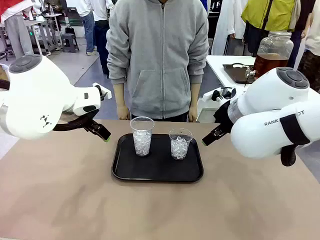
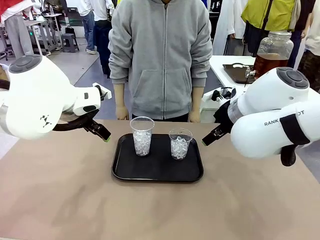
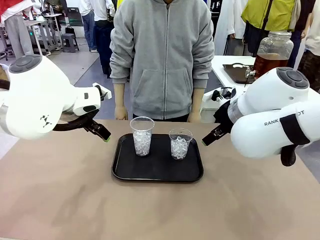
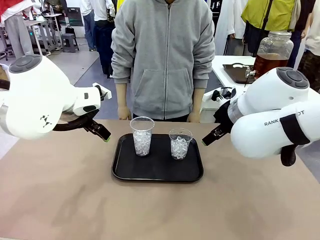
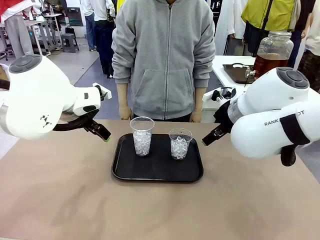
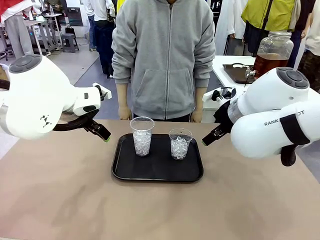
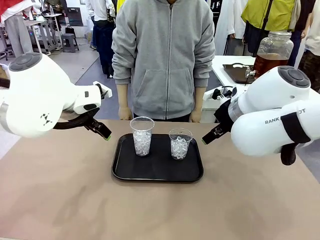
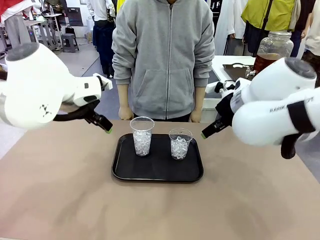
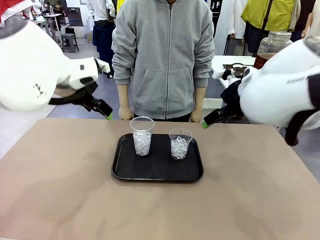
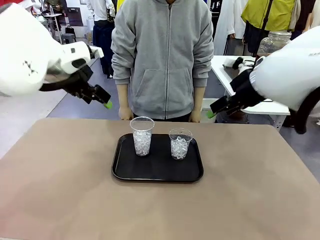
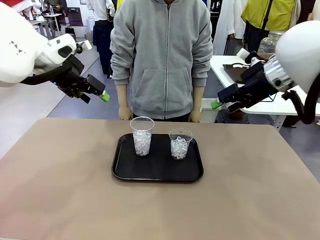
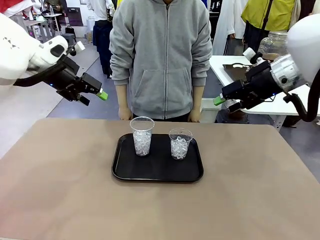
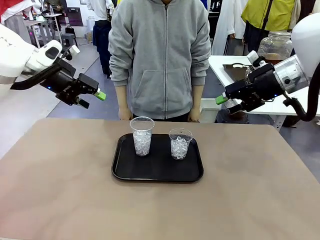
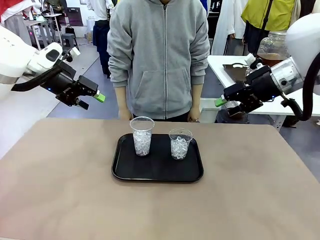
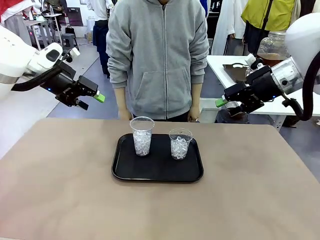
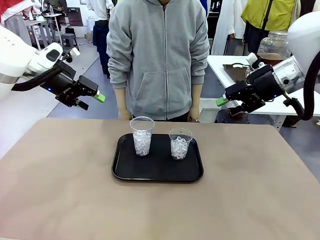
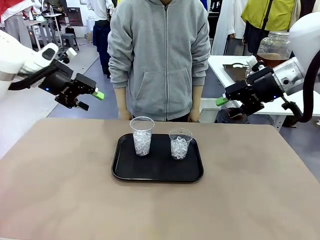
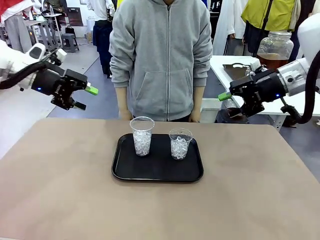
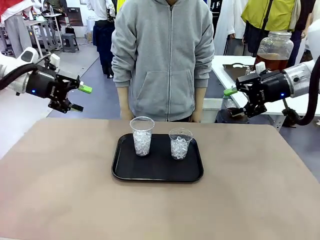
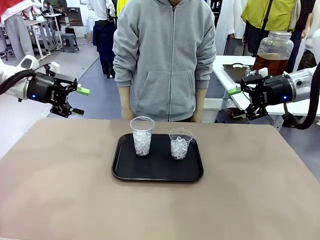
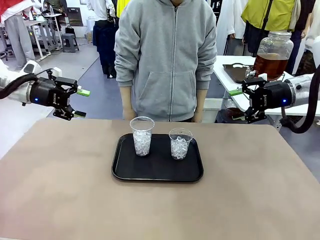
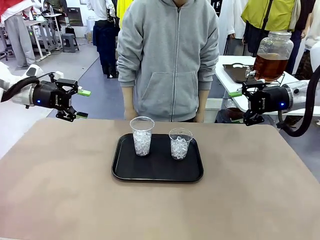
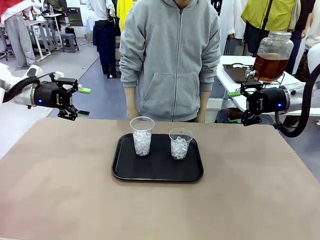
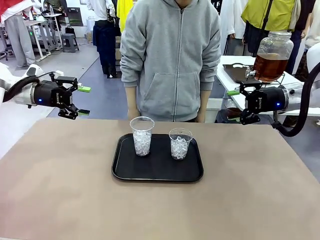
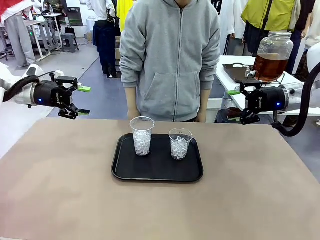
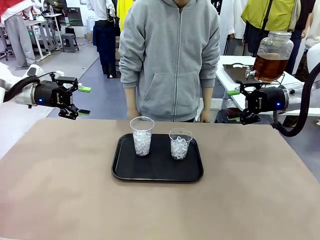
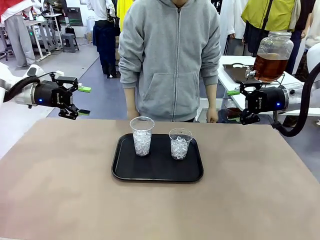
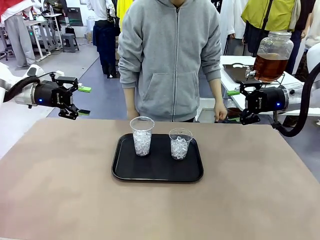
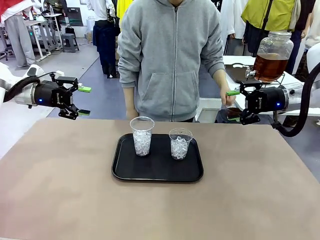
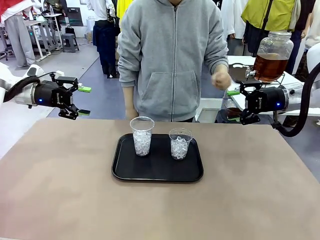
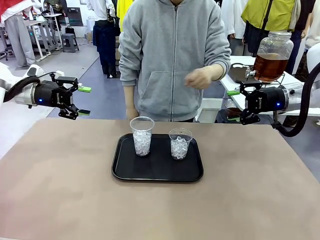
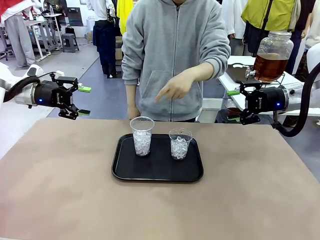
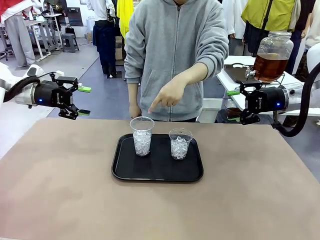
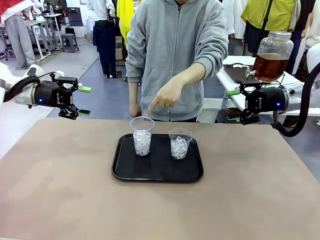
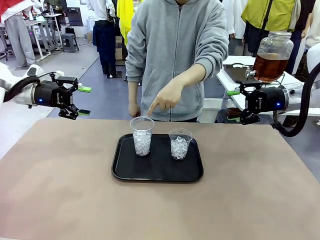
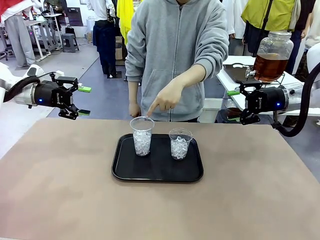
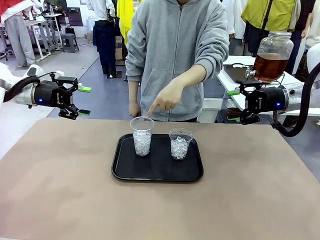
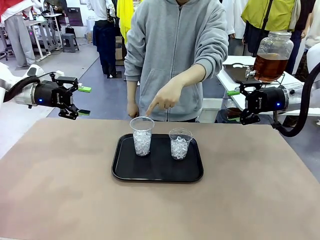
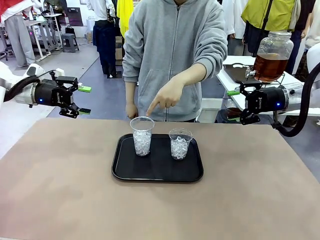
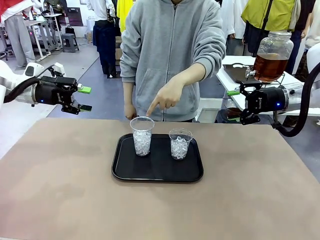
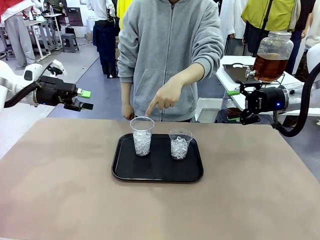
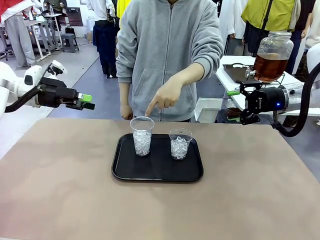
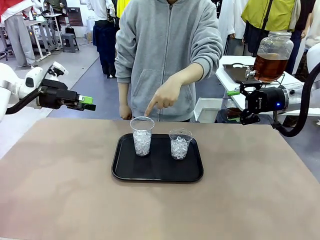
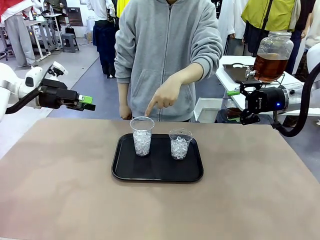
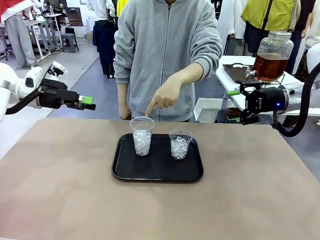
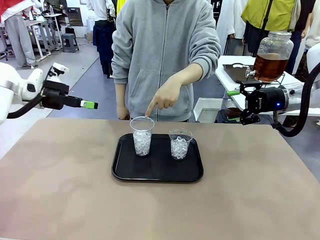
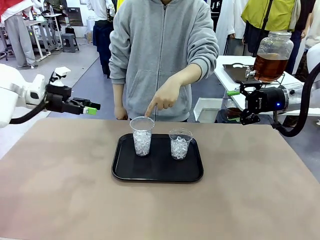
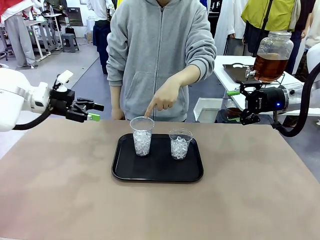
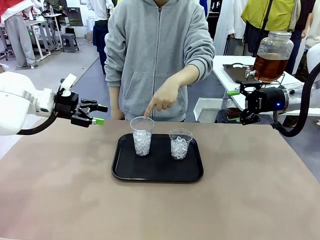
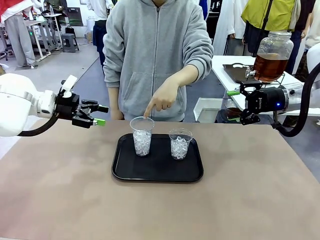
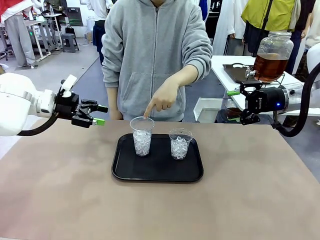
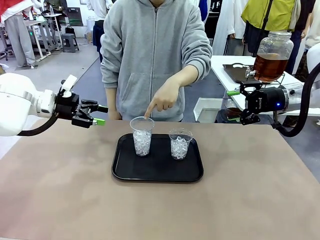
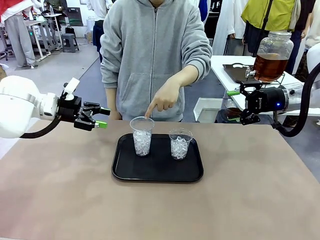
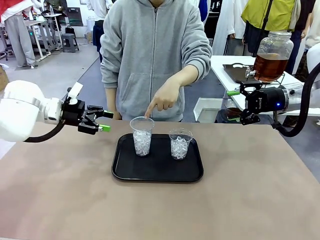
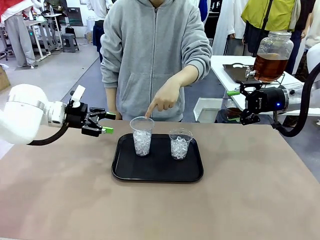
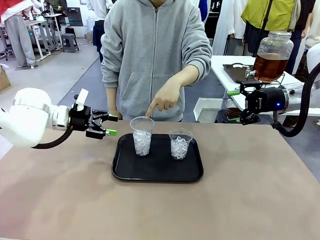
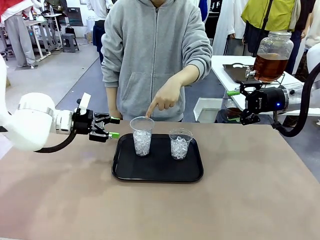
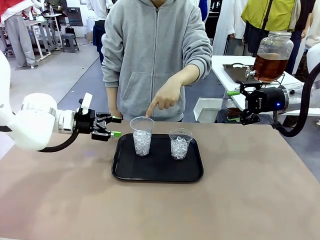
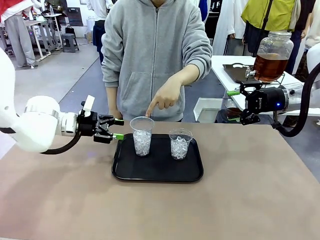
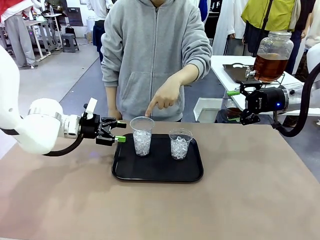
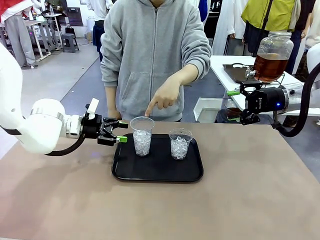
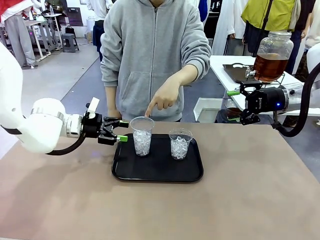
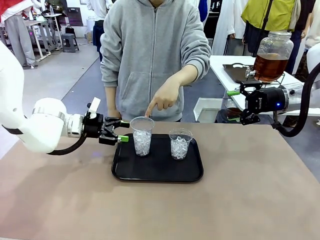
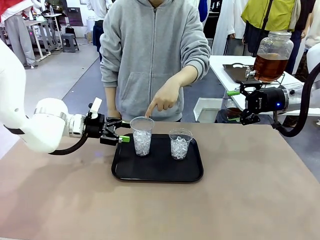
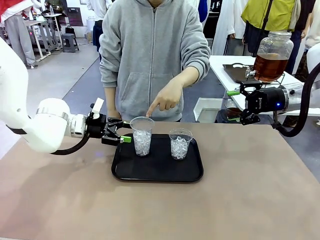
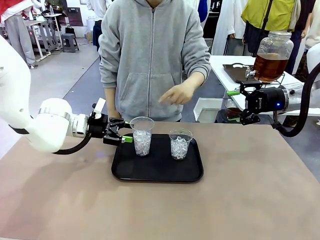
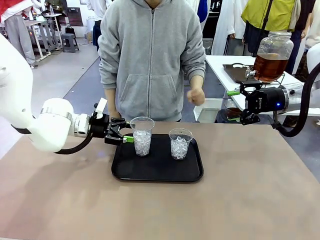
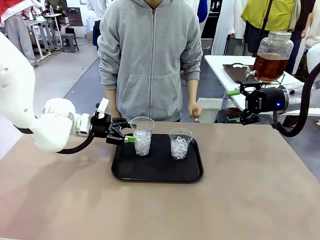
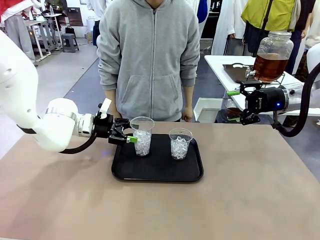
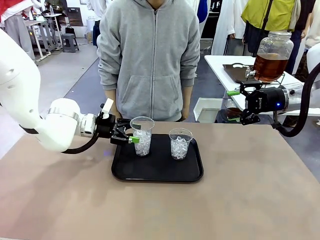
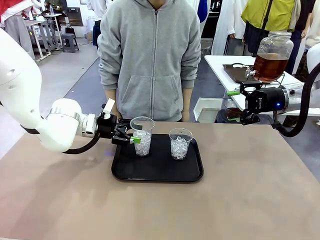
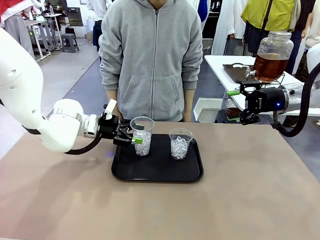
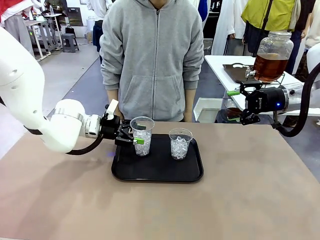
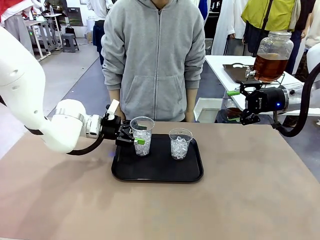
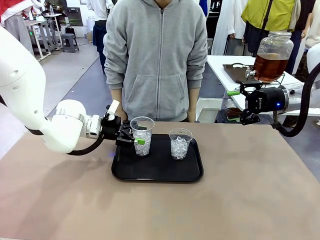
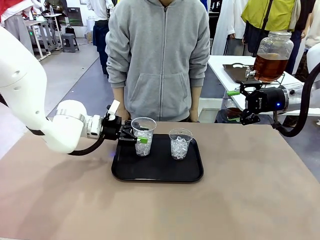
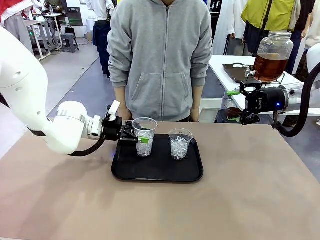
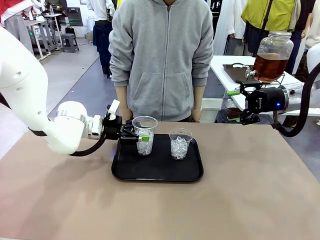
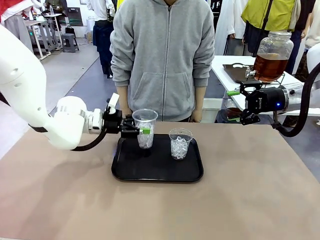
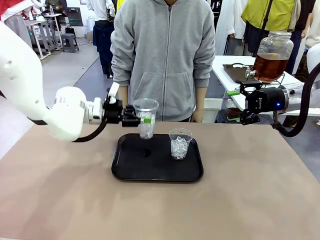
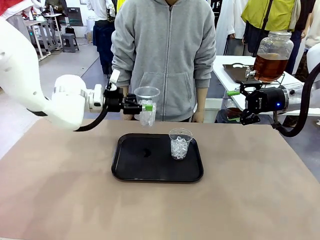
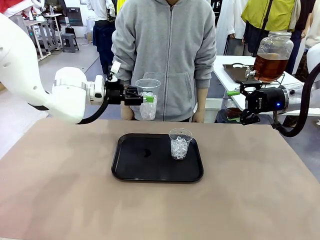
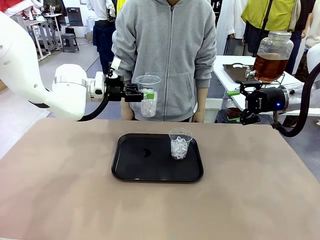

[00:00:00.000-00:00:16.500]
Task: Pour the drink into the iced cup.
Robot: Pick up the iced cup indicated by the human and present it to them.
Person: Point to one of the two ice cups. Pick up the cup offered by the robot.

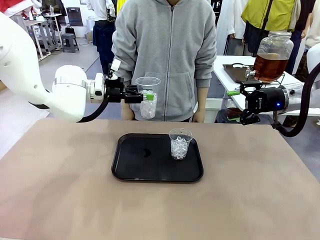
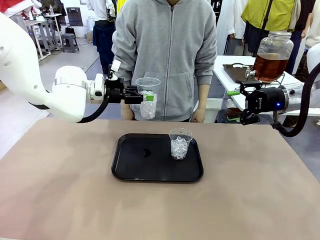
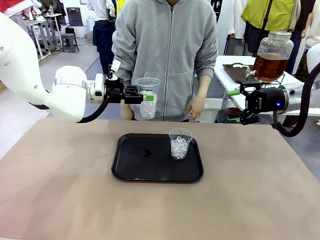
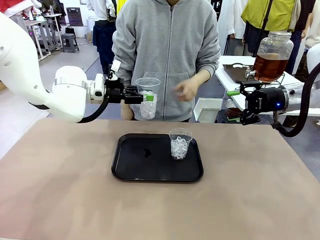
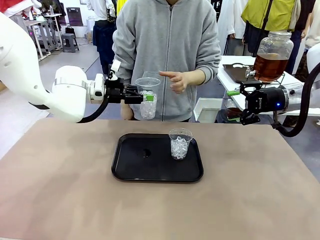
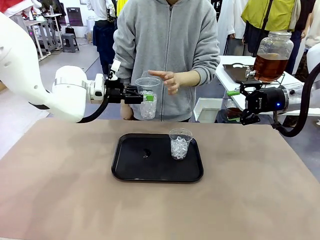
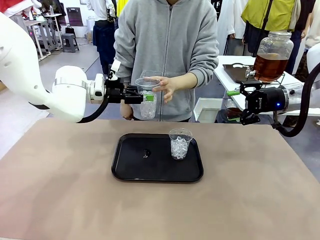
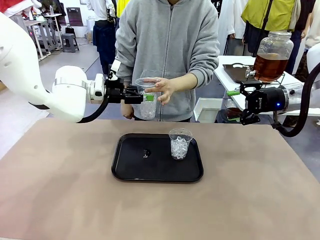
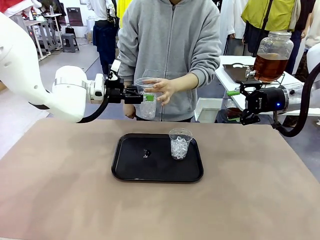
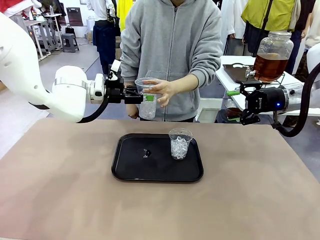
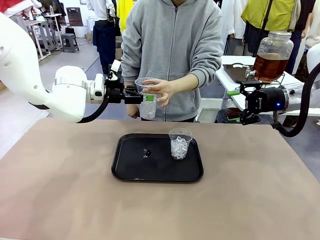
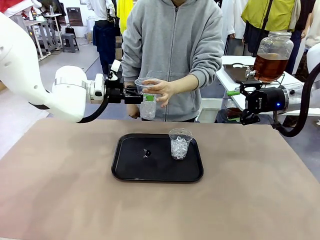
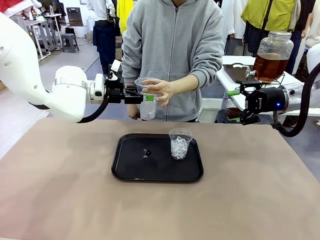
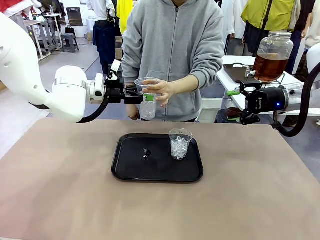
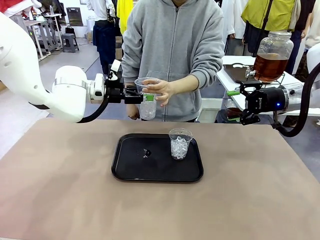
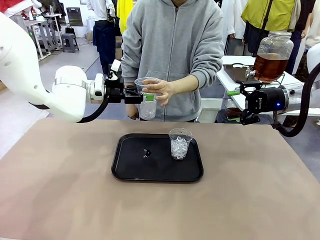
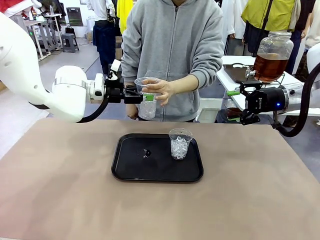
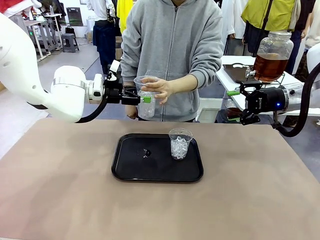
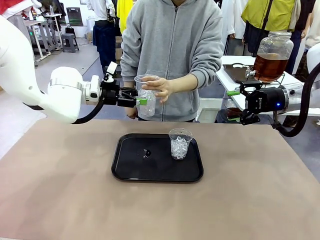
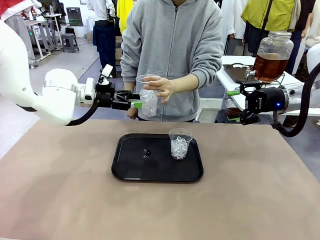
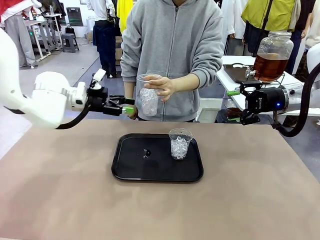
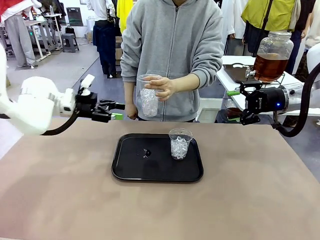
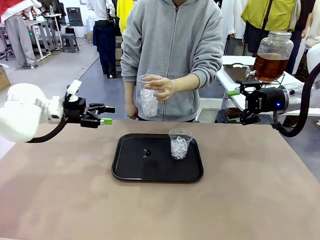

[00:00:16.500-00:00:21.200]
Robot: Open the gripper to release the iced cup you were holding.
